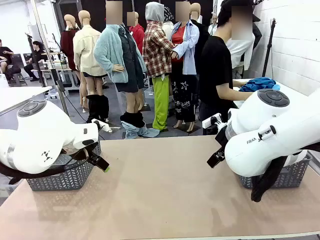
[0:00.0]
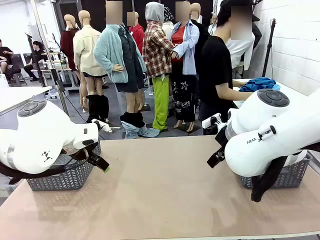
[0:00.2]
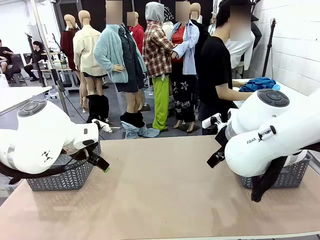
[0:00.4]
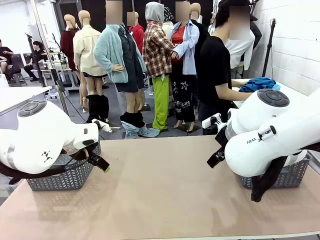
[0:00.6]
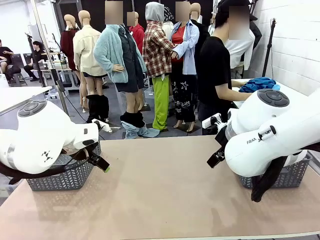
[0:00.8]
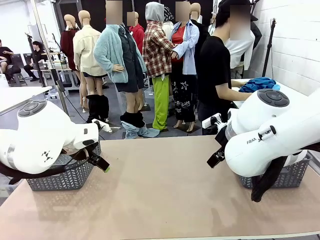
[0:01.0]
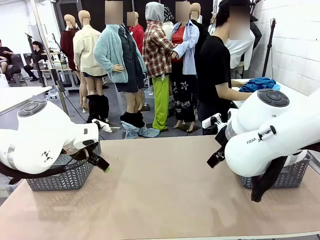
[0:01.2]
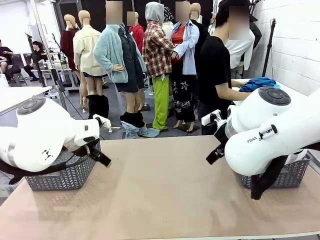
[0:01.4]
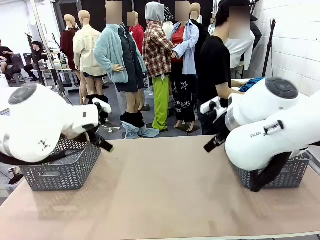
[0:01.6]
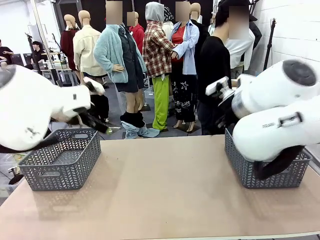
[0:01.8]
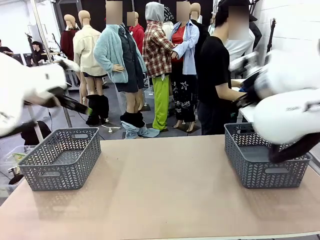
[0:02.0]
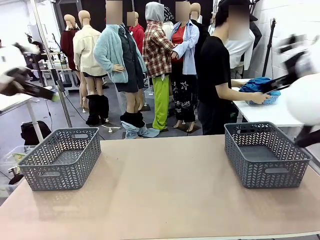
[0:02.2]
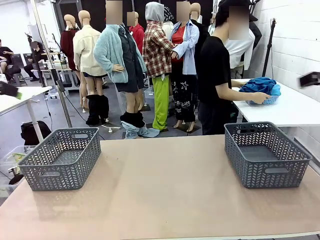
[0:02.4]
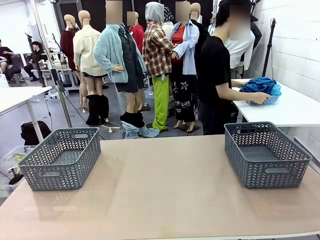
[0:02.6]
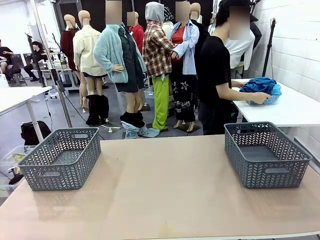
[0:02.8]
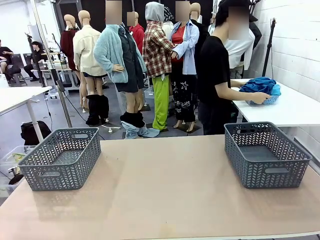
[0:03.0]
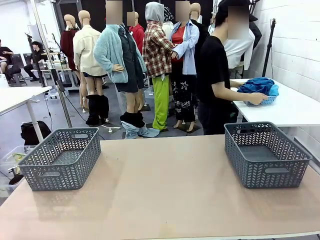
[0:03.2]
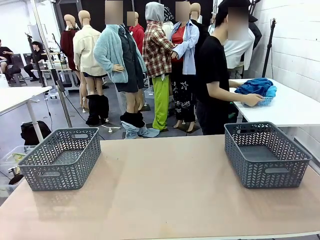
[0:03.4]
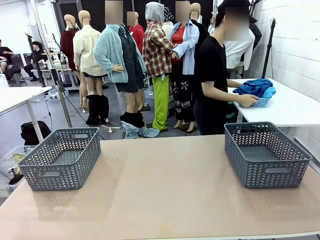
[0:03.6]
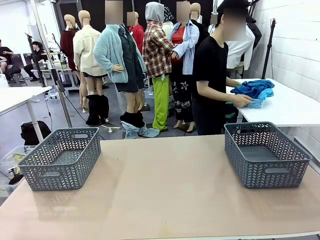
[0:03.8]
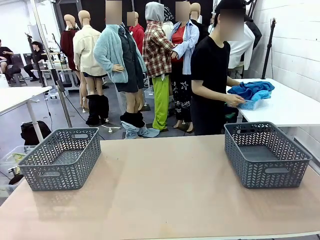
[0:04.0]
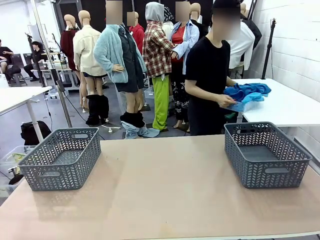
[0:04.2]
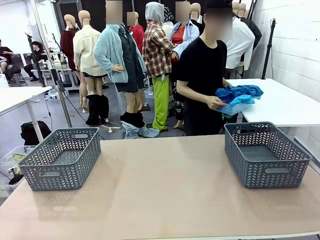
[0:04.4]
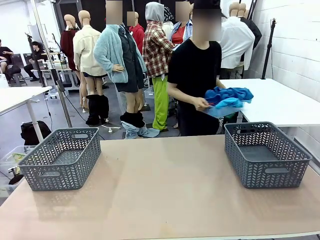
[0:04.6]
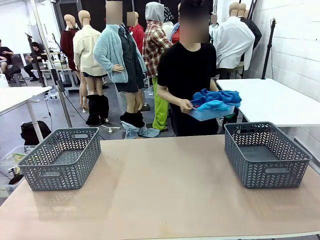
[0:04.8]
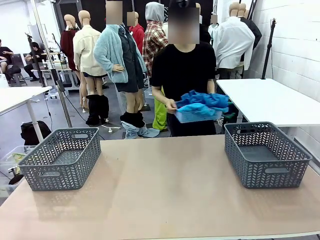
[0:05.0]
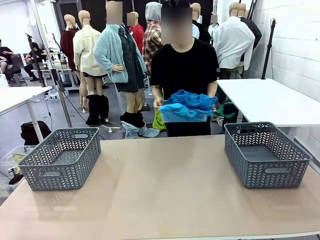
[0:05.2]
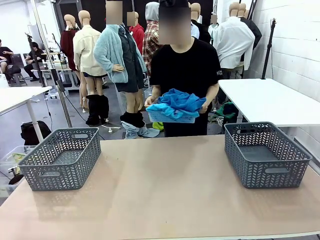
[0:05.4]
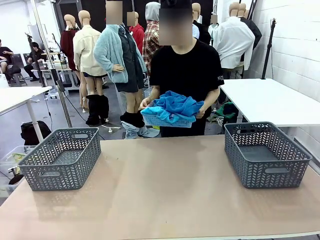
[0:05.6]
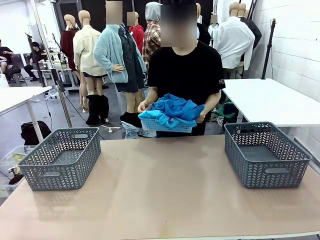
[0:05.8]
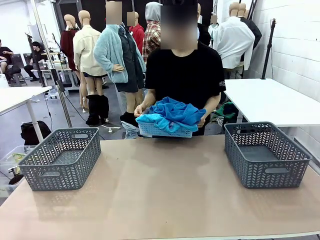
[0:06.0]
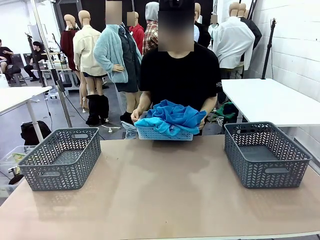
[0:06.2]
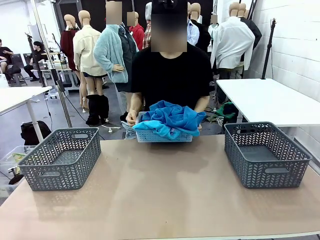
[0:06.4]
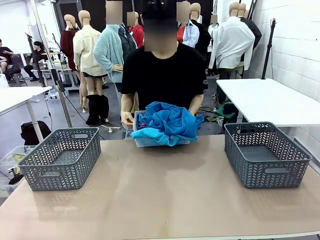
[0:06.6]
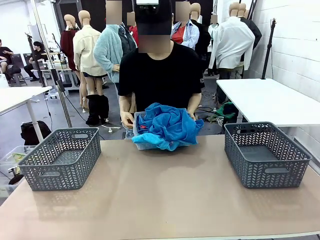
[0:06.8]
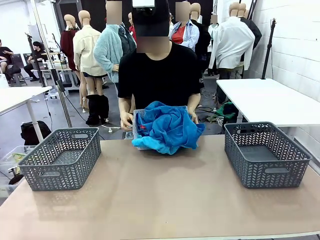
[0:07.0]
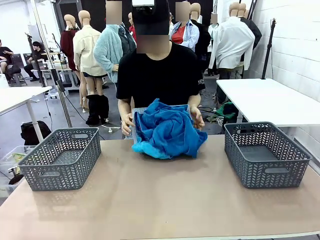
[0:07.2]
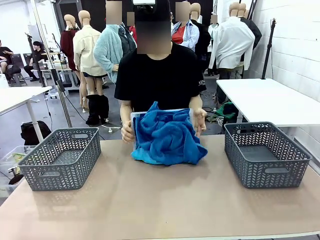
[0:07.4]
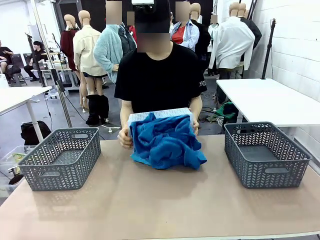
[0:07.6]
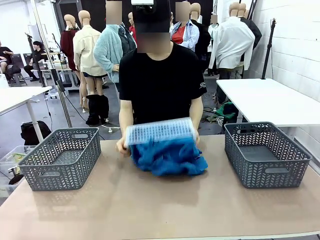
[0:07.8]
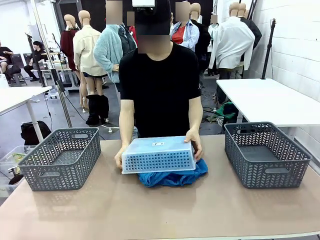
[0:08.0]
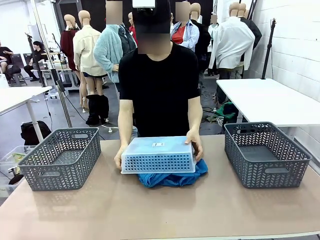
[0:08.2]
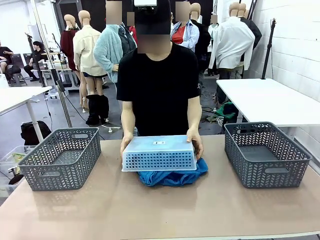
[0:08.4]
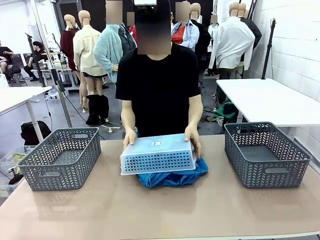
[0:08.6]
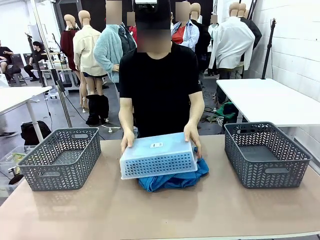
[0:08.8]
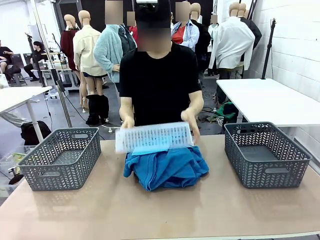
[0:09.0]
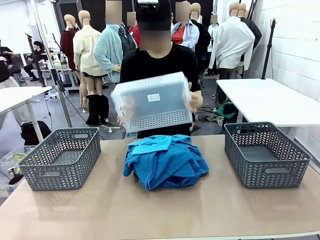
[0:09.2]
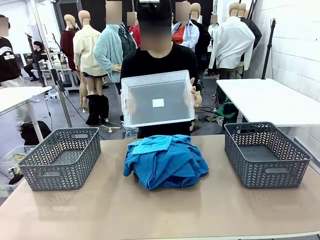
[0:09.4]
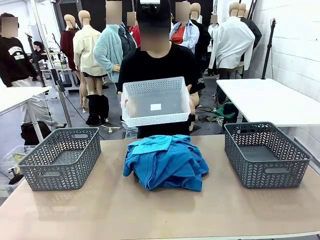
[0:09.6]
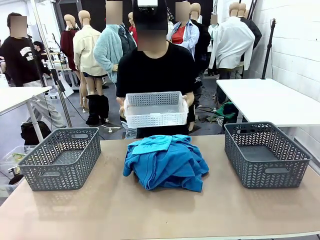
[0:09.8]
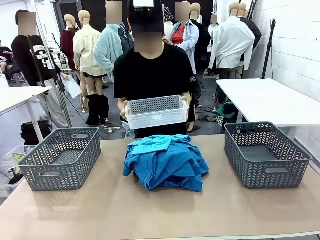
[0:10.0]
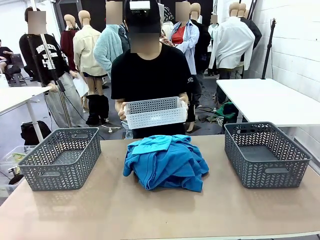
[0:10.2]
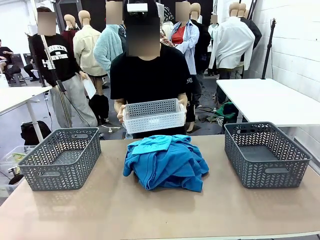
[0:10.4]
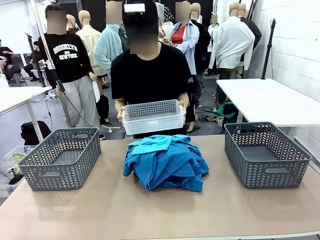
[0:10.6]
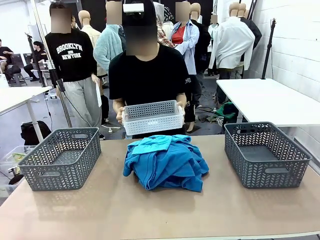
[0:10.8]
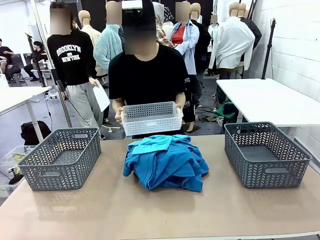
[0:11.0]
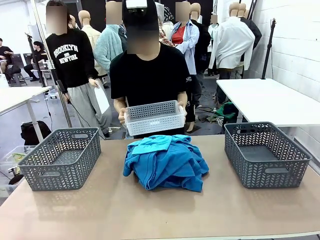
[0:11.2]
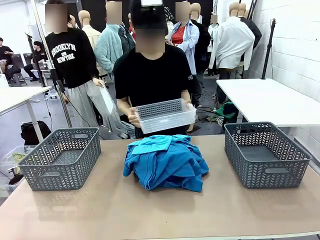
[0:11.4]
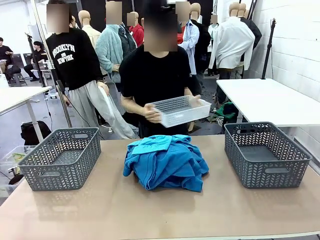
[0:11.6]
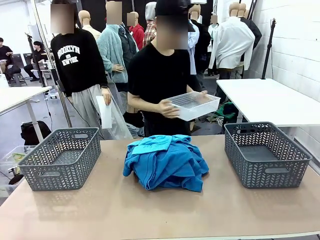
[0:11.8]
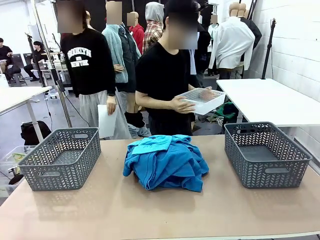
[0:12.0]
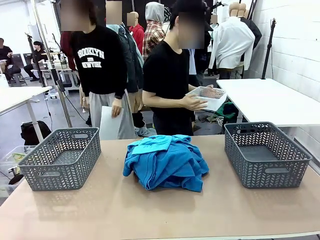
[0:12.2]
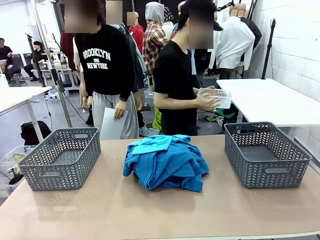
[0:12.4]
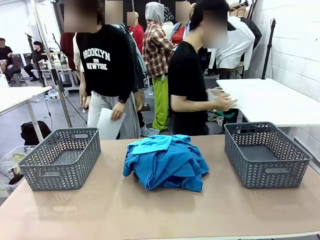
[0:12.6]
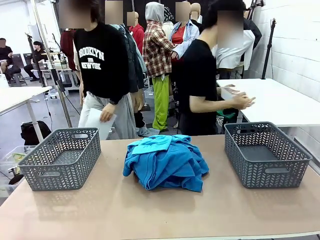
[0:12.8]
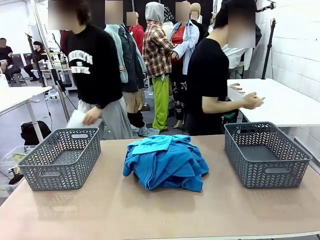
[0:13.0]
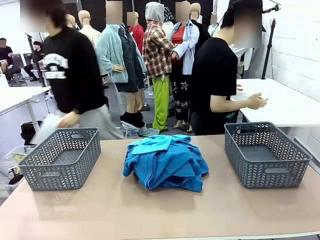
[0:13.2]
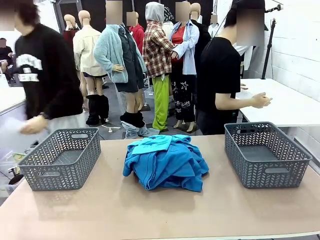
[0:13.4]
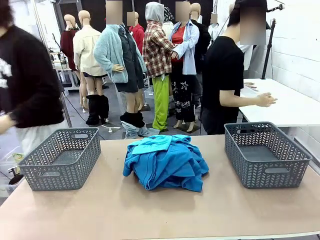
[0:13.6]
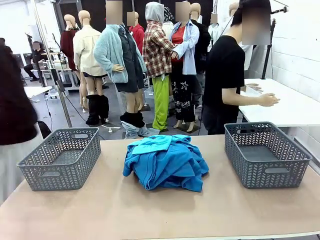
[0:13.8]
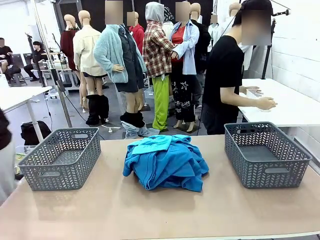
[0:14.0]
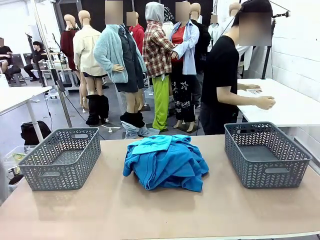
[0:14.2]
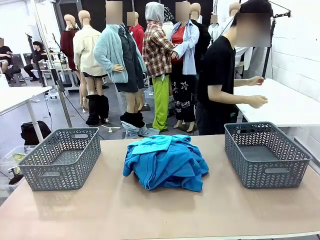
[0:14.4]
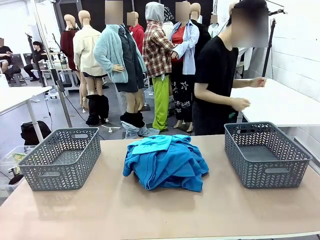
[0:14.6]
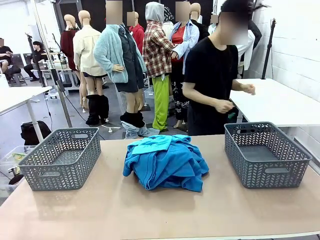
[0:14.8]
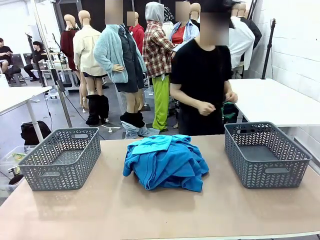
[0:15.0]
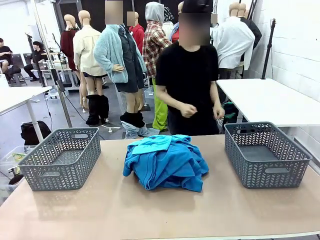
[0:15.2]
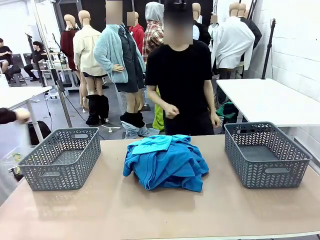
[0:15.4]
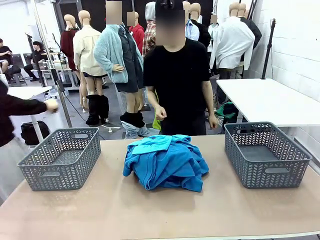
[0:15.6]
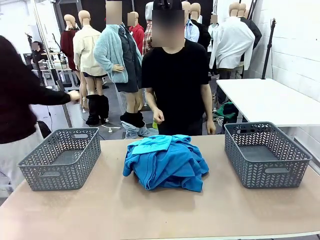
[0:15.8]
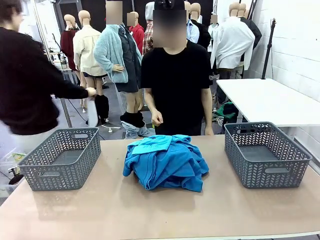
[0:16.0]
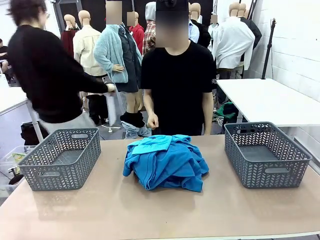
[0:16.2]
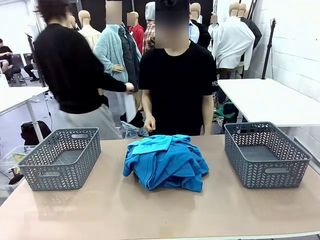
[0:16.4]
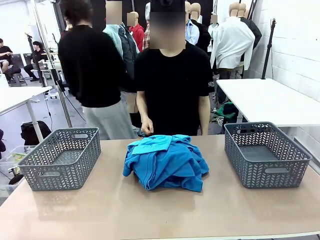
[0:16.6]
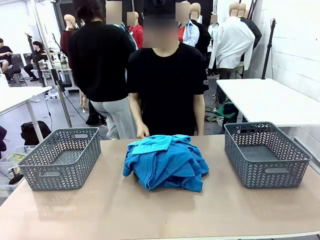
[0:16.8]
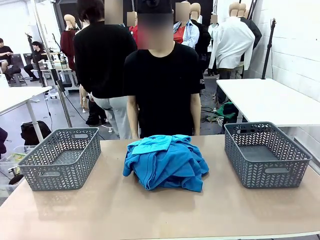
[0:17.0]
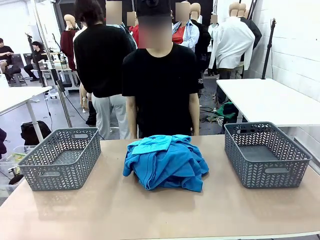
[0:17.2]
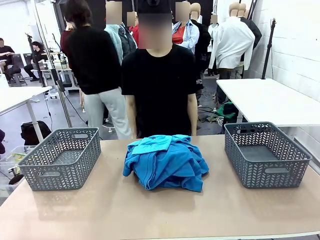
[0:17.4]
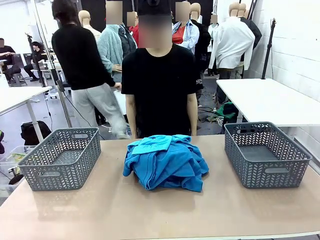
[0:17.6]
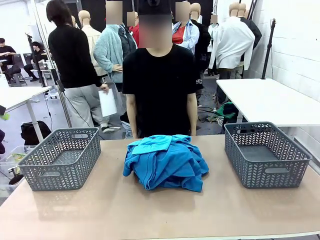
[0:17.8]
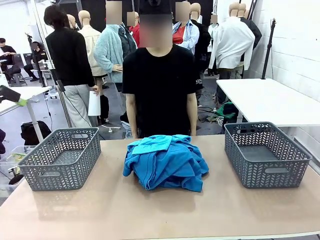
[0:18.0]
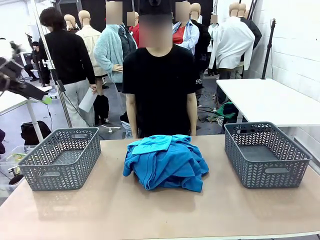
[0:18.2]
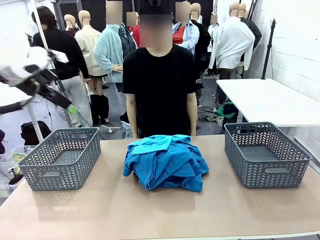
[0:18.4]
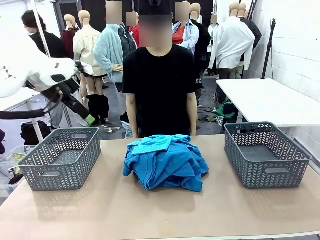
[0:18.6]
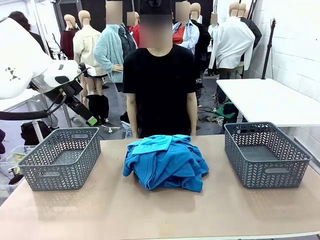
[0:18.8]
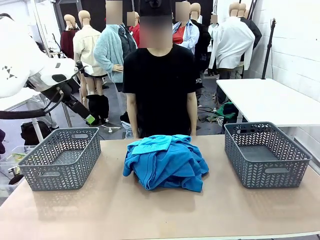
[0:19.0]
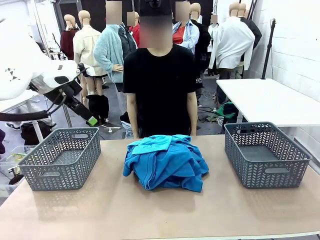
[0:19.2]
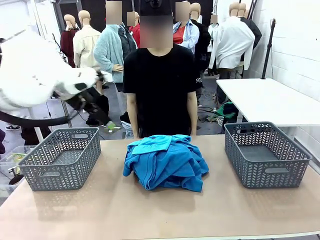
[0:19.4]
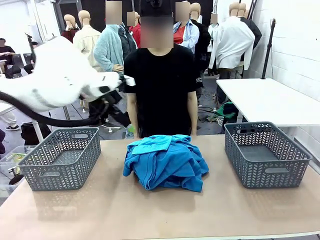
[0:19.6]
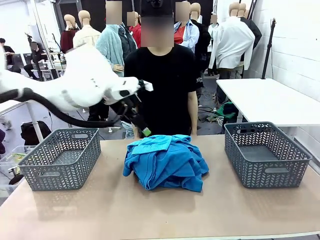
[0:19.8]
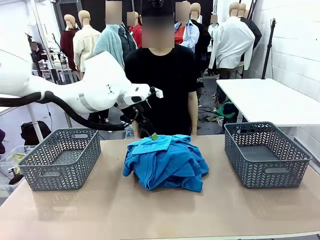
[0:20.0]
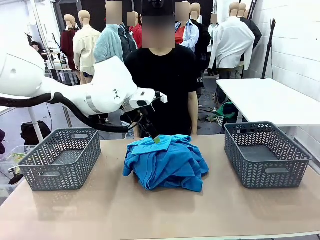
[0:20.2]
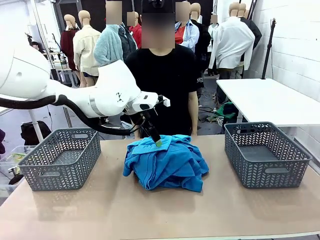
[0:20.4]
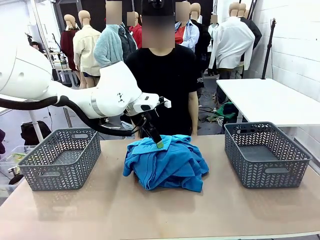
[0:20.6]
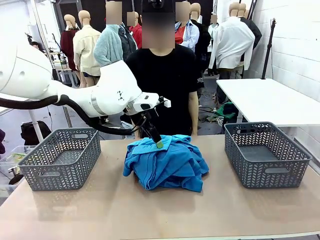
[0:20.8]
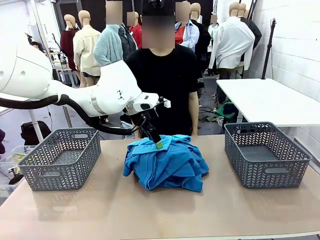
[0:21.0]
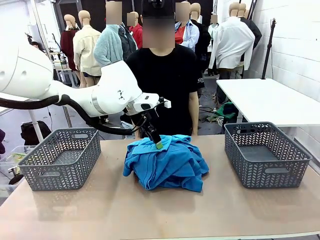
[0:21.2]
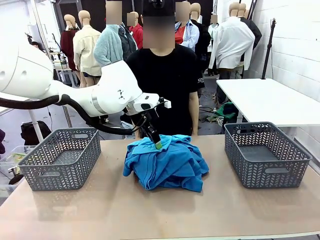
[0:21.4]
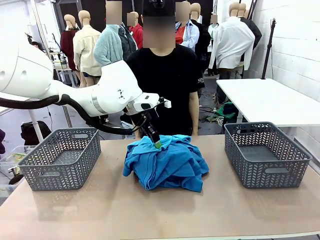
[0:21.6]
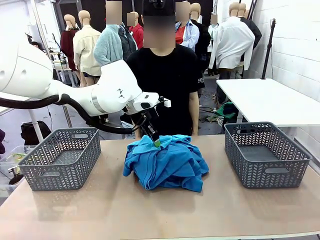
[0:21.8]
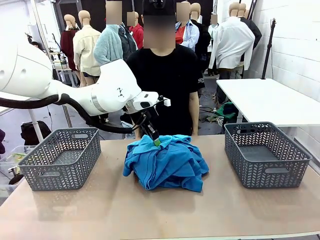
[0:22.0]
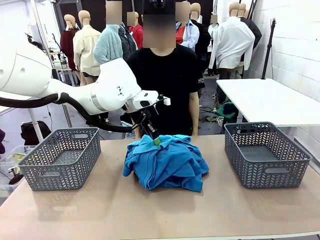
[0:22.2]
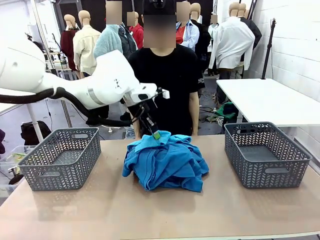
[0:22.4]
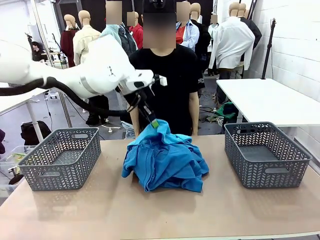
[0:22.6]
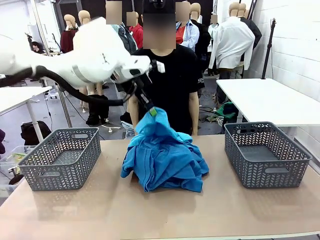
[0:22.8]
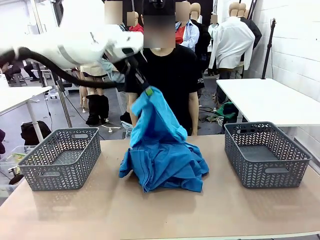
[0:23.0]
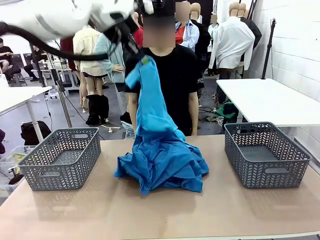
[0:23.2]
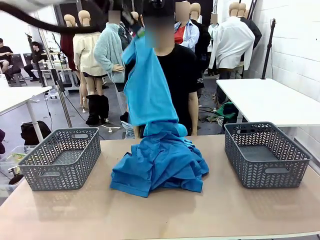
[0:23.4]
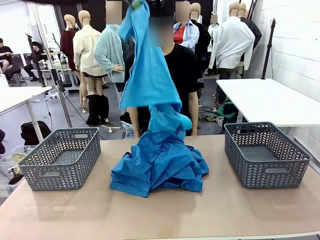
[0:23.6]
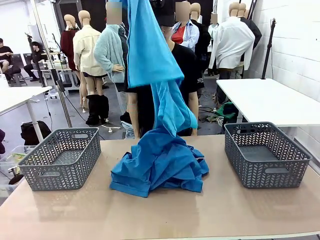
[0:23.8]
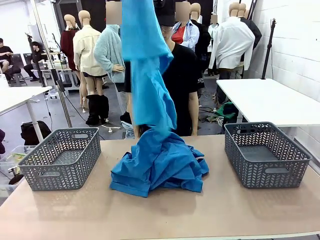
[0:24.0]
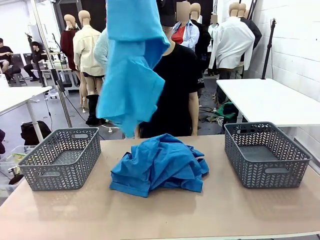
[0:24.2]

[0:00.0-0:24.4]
Task: Sort the tops and bottoms.
Robot: Lift clothes from the center of the table with your left hand.
Person: Pour the clothes from the basket onto the center of the robot table.
